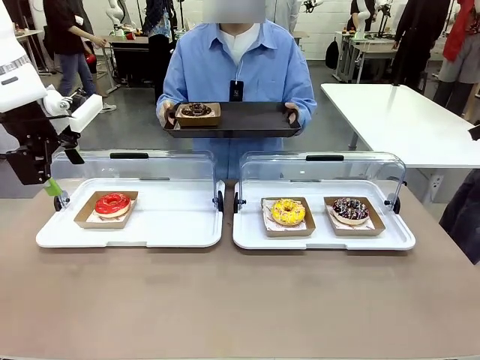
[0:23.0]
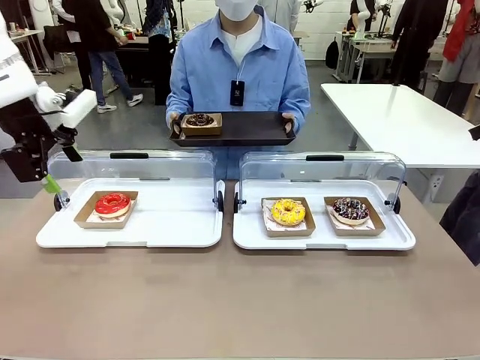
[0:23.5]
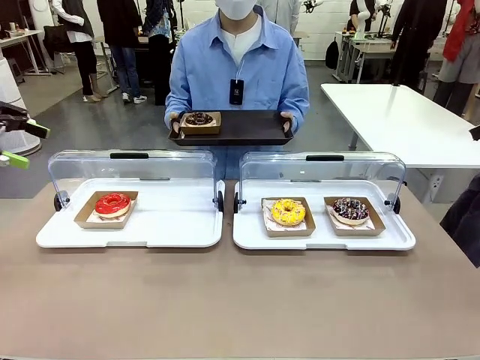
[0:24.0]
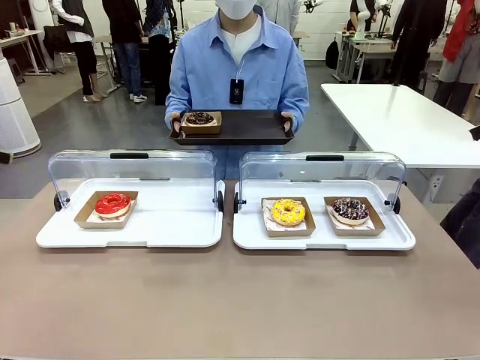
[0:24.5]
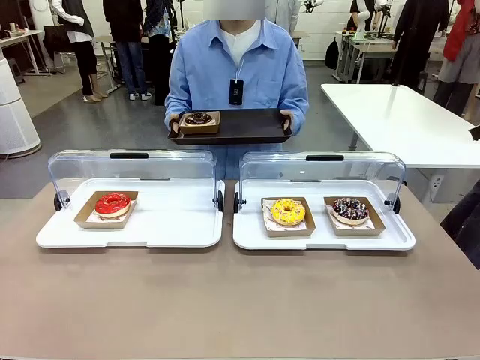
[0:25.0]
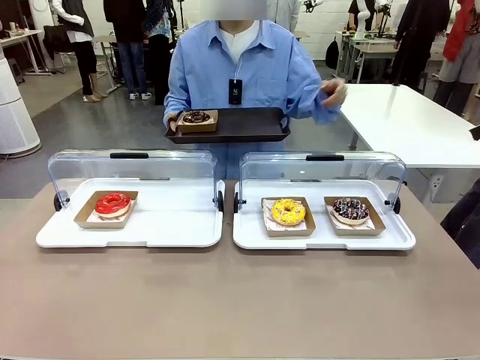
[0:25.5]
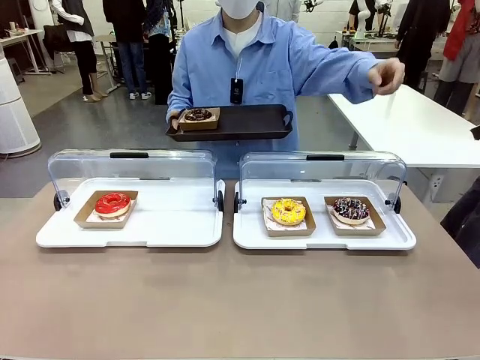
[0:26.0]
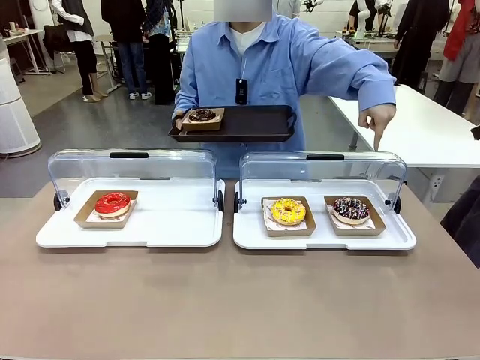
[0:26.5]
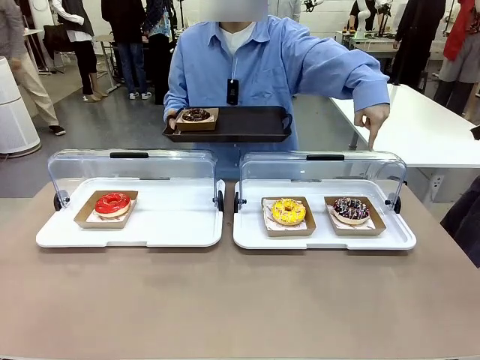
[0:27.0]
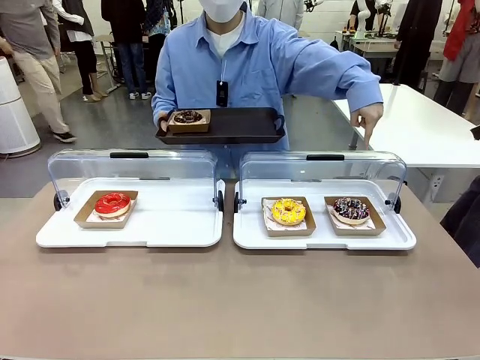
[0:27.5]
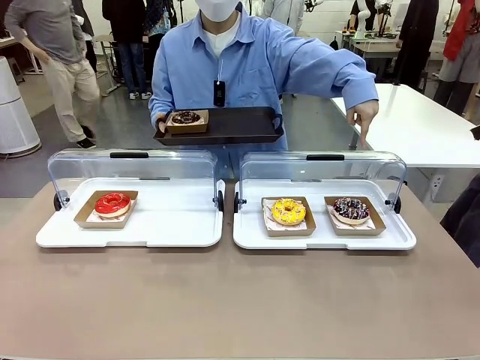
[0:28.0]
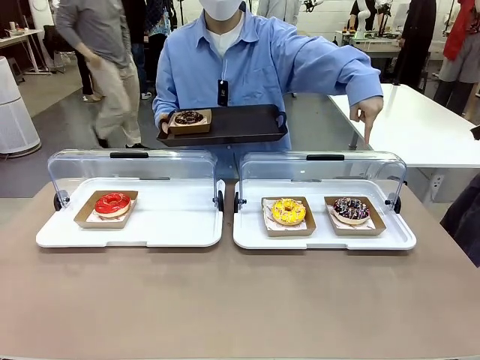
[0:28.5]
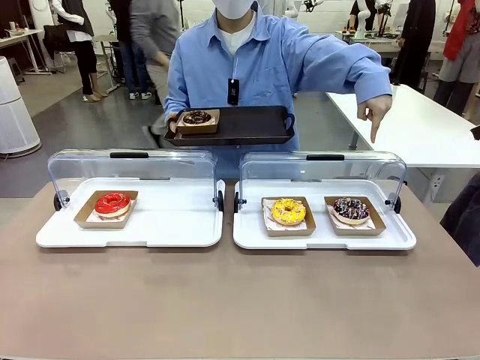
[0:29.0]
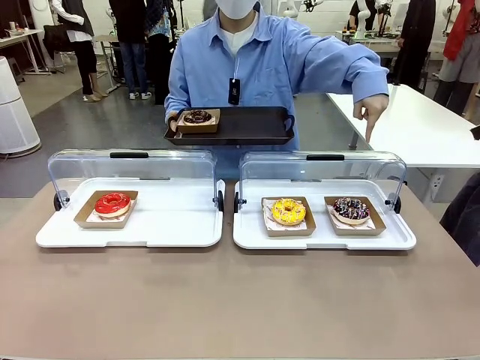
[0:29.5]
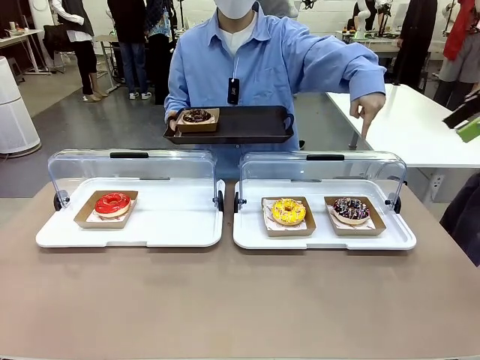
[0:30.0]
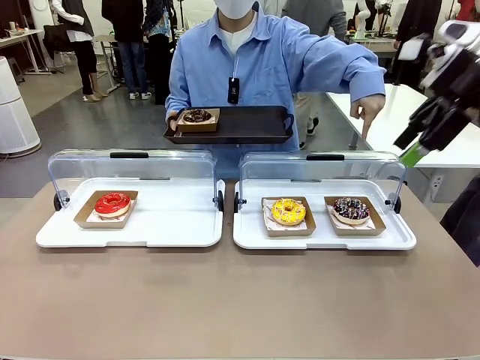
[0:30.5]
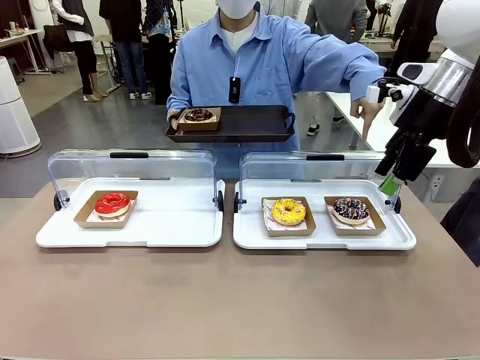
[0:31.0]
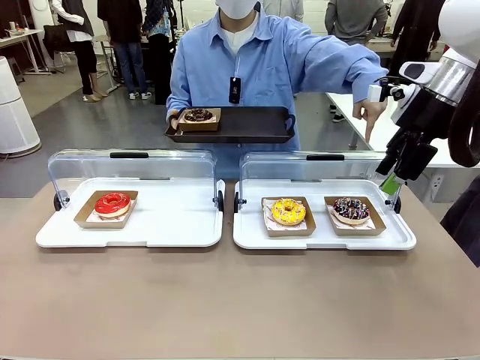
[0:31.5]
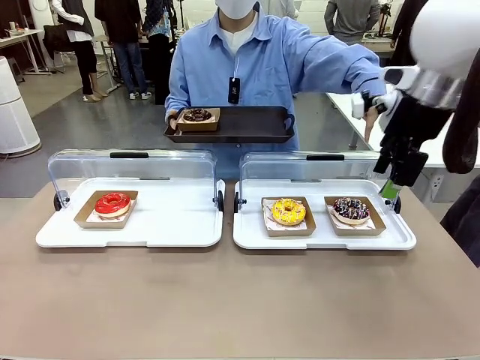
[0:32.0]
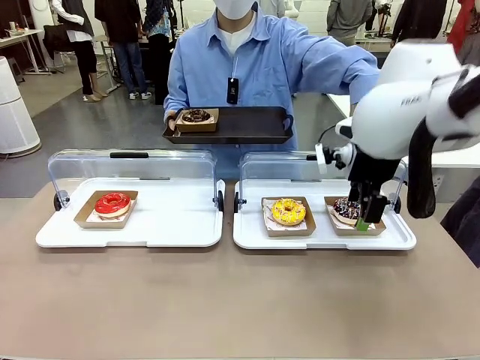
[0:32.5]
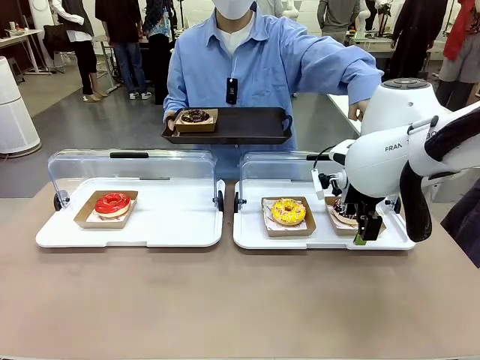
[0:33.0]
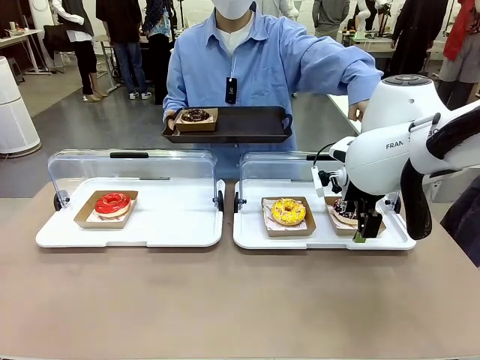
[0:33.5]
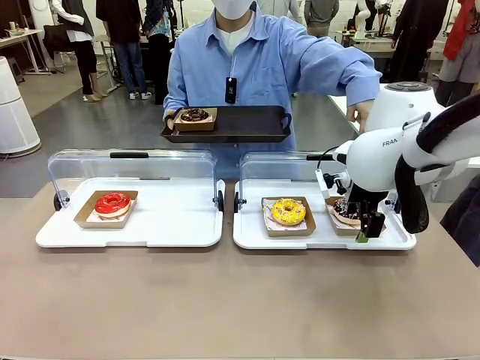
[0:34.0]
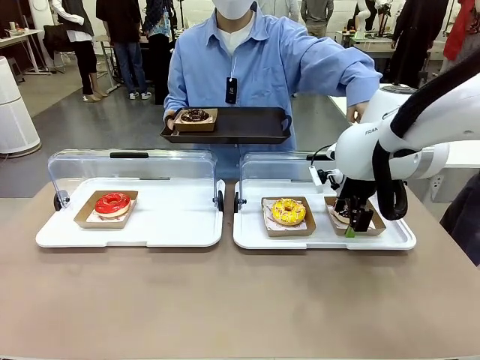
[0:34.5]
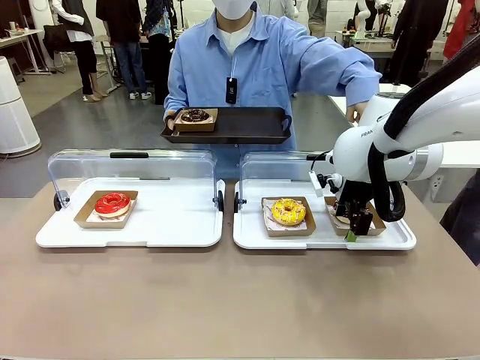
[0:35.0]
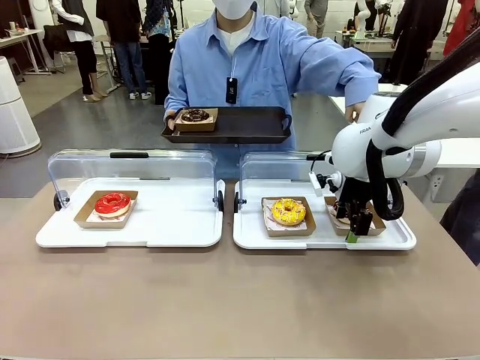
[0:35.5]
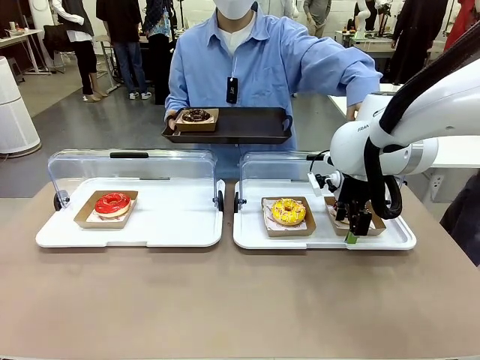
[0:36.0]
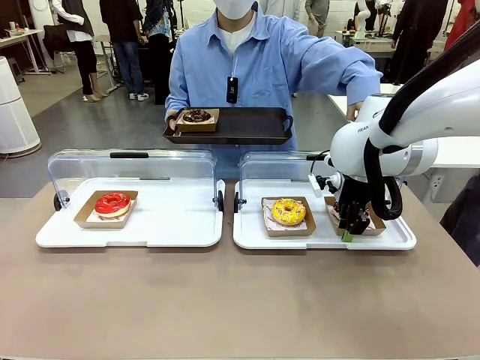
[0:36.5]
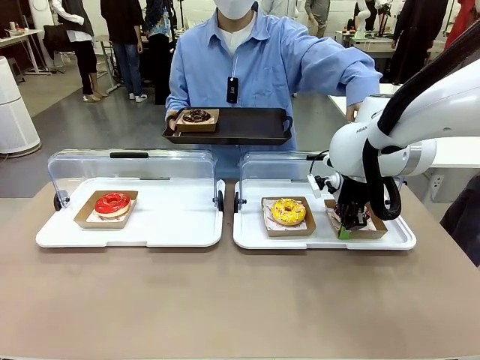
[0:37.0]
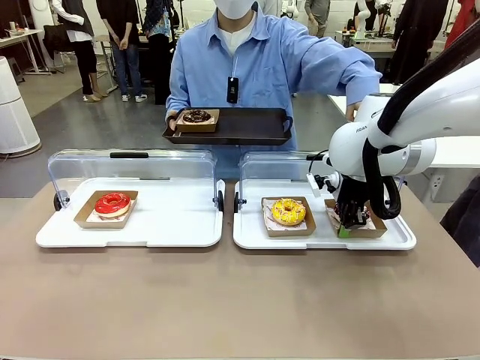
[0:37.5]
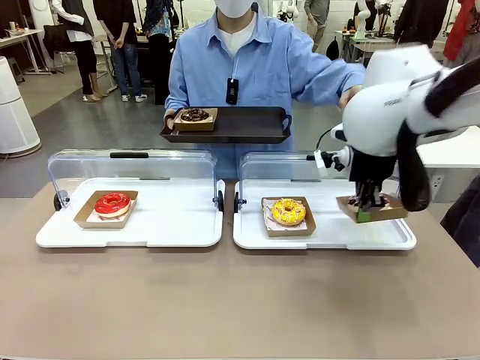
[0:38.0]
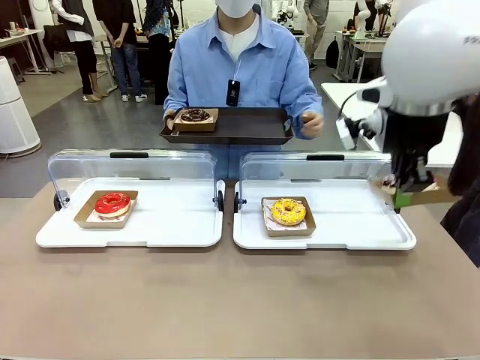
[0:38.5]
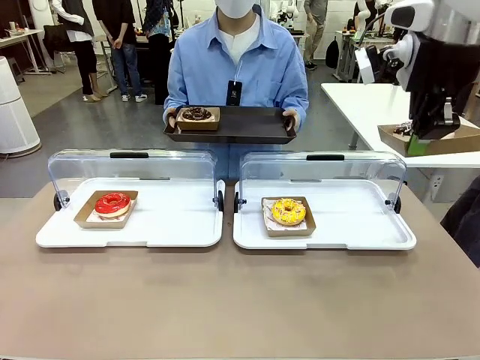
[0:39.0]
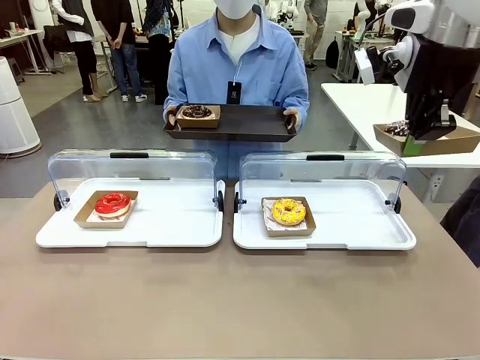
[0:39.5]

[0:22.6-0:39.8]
Task: Provide the desired donut to the person.
Robot: Pick up and lift the Paper togo box containing the Donut pointed at by the person.
Person: Point to one donut. Lift the tray onto the Roll-Top Bakery Case.

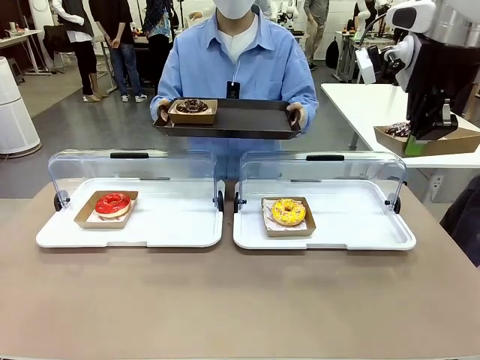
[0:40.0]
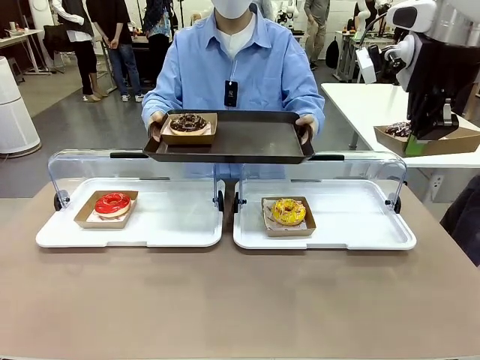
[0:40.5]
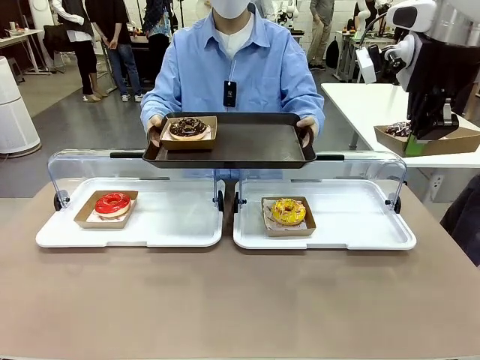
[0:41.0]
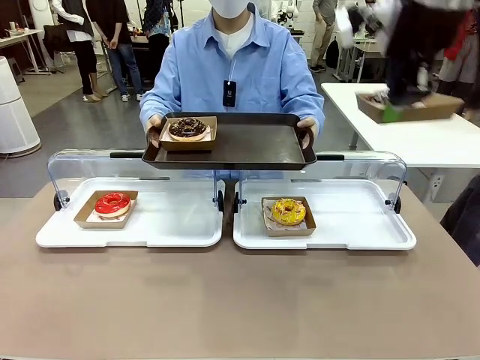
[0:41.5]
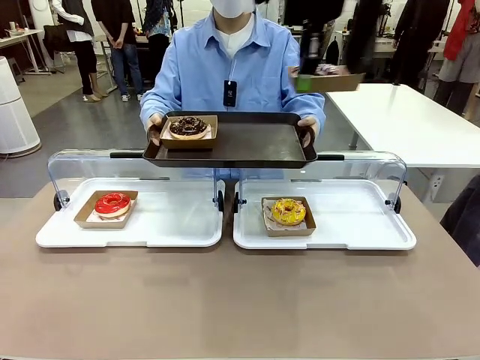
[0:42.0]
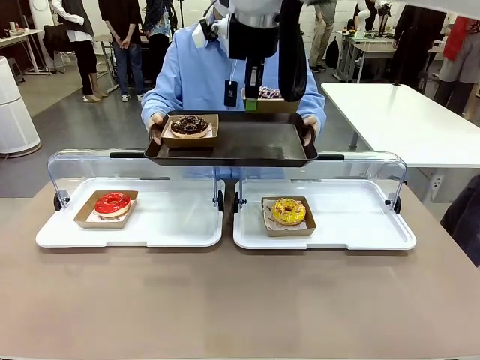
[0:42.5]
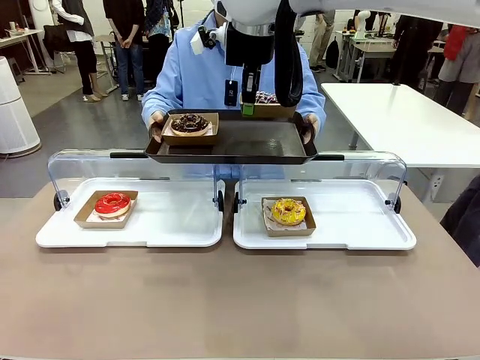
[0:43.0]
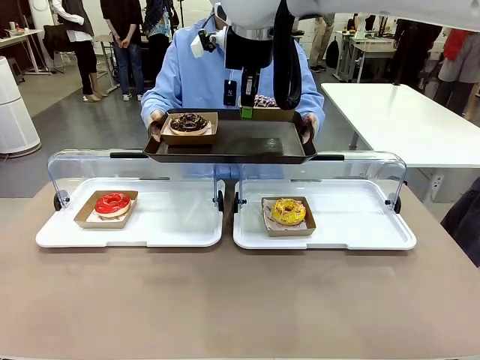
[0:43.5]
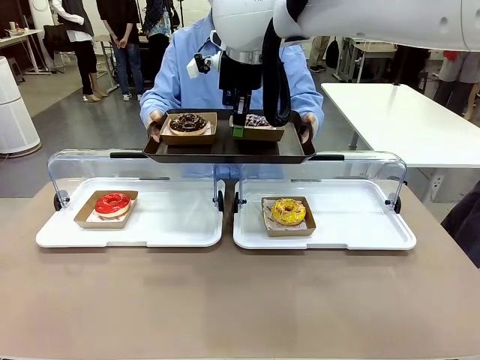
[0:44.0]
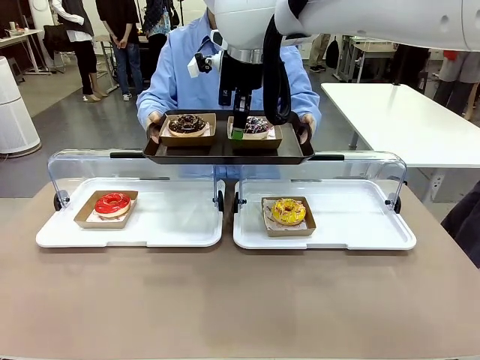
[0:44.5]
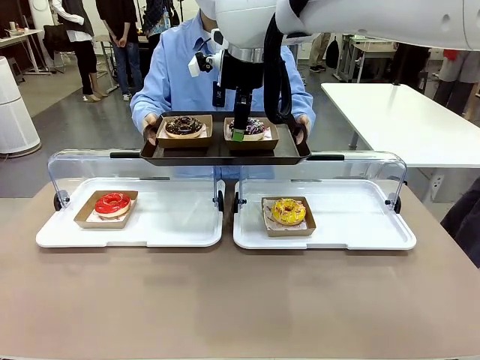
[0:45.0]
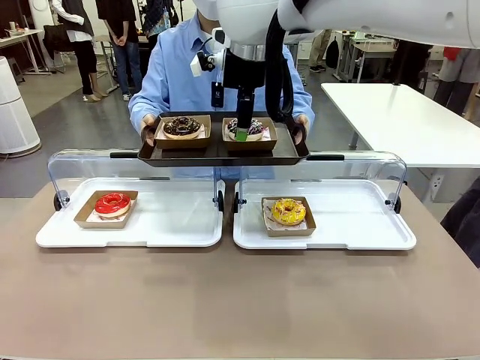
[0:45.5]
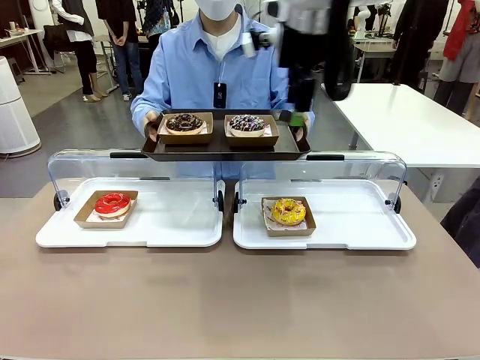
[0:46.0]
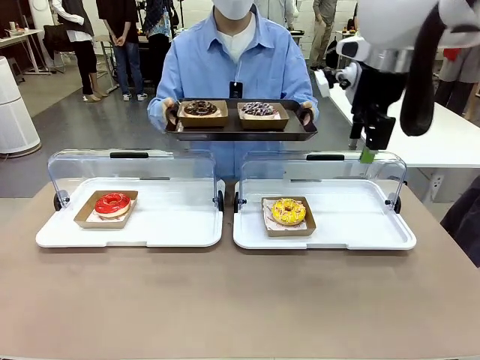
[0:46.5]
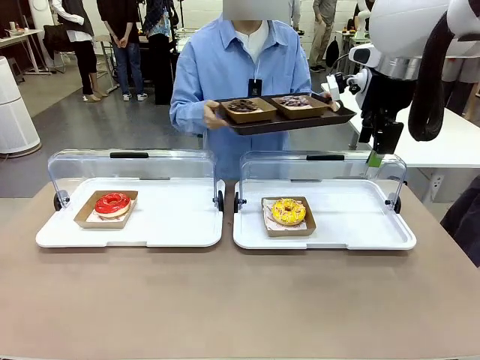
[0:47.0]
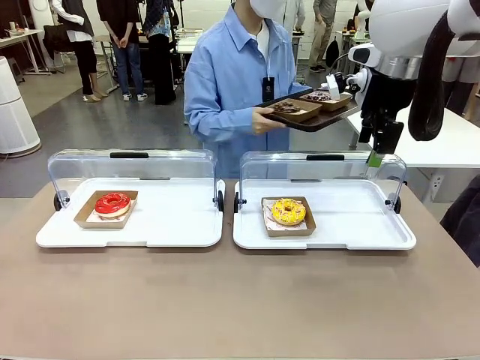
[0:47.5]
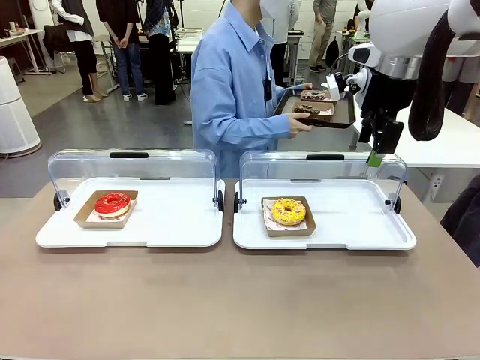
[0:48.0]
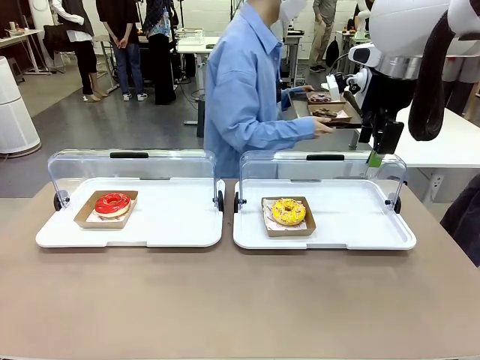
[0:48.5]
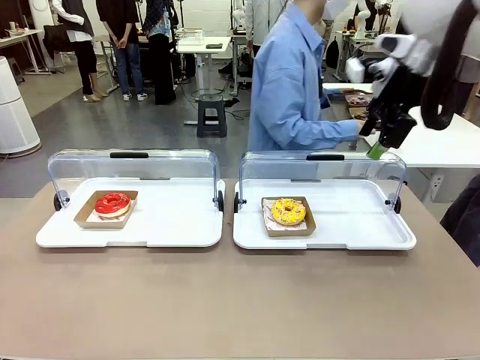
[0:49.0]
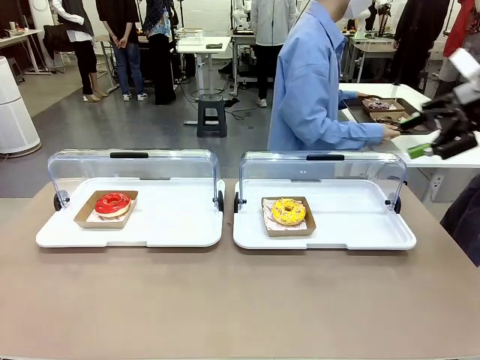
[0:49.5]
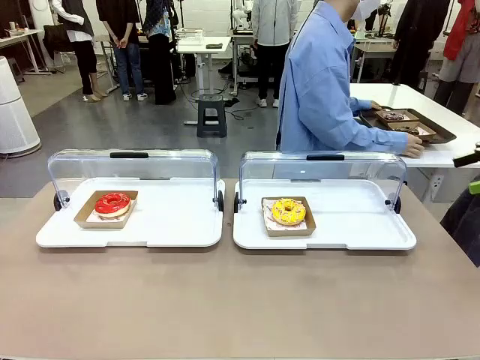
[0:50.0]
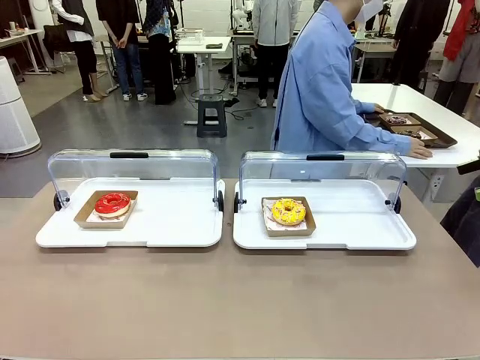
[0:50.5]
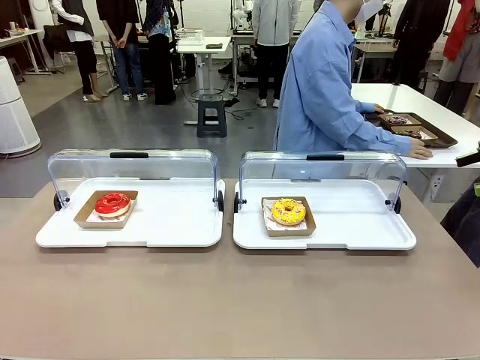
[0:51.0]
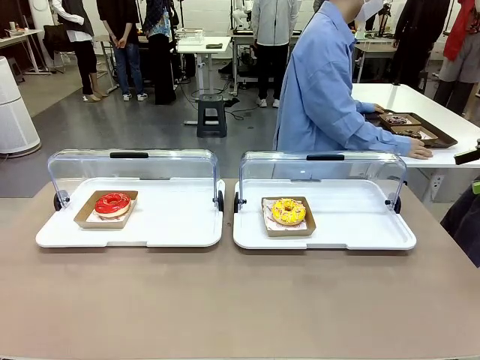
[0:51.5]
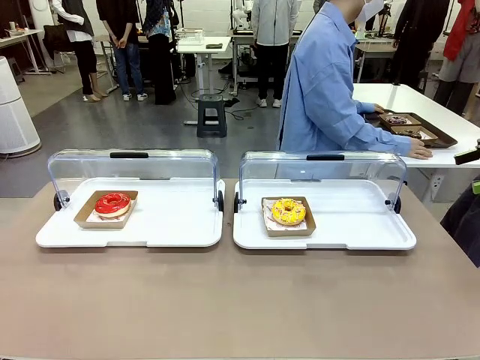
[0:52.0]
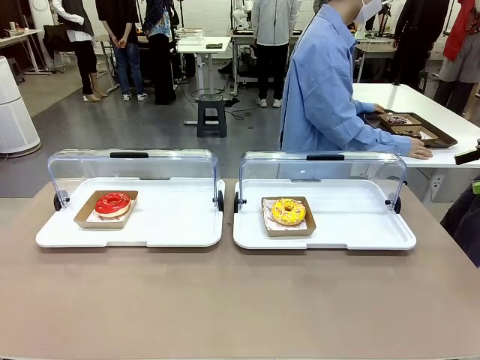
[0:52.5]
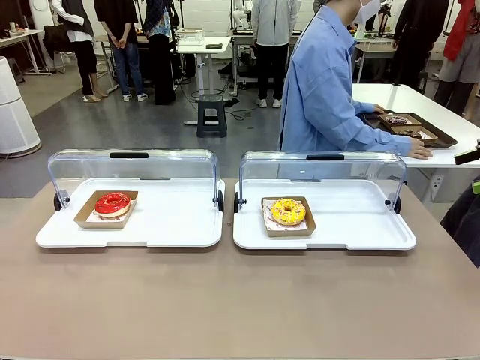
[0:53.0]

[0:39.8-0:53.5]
Robot: Place the picked Paper togo box onto the Handle tray extended by the person.
Person: Place the tray in the middle of the human table.
